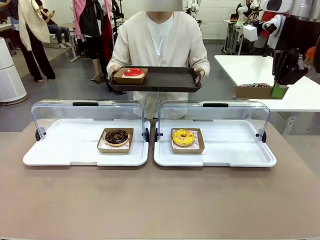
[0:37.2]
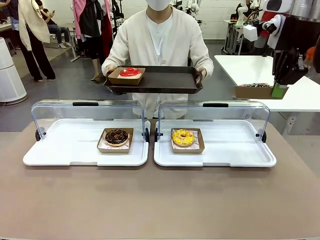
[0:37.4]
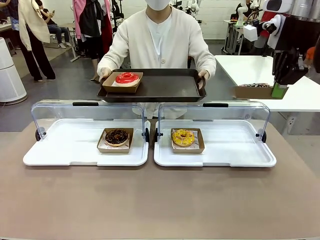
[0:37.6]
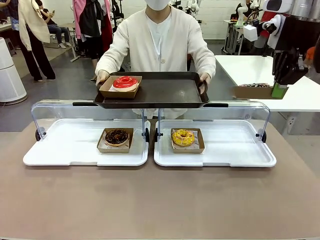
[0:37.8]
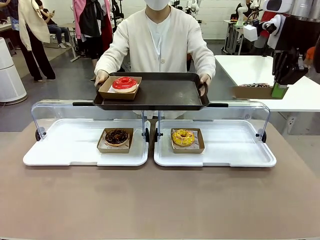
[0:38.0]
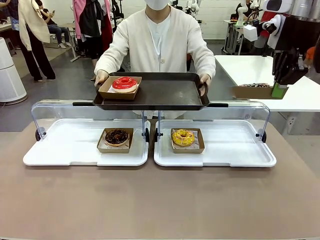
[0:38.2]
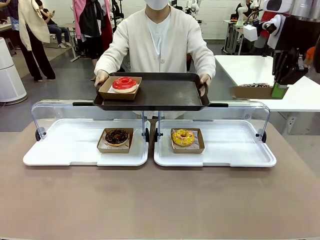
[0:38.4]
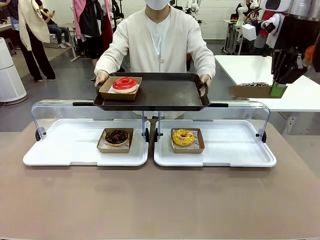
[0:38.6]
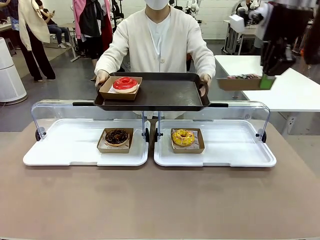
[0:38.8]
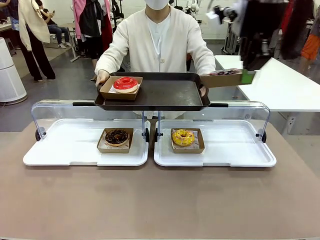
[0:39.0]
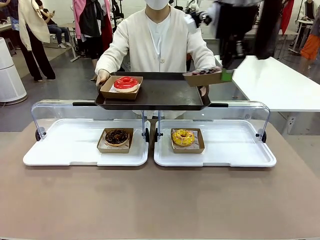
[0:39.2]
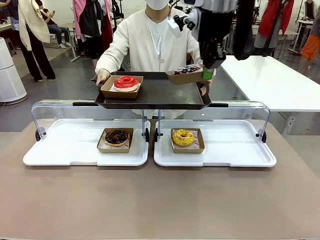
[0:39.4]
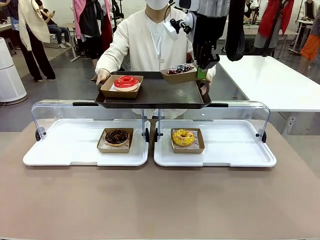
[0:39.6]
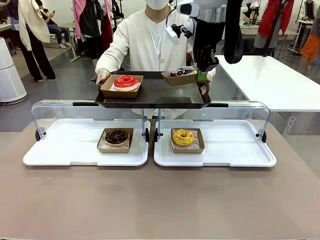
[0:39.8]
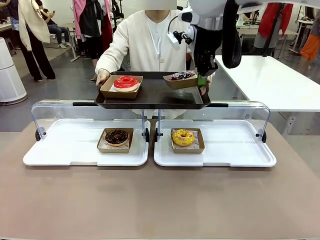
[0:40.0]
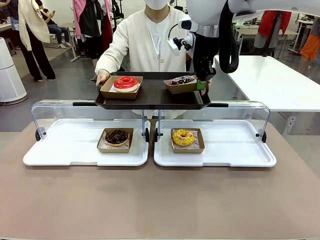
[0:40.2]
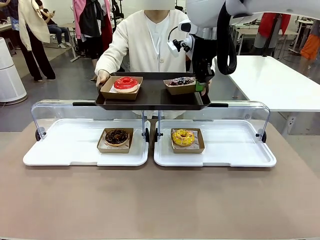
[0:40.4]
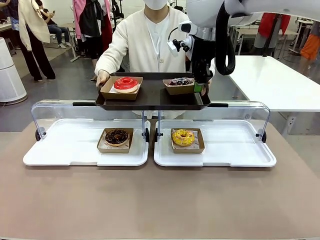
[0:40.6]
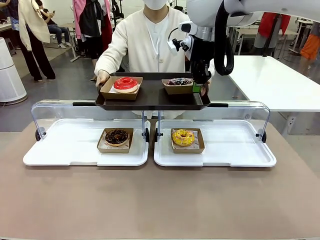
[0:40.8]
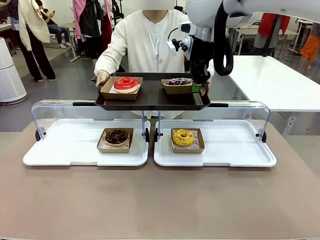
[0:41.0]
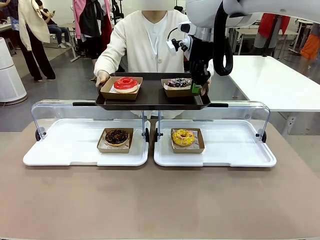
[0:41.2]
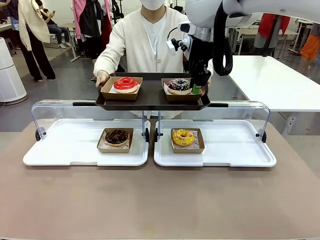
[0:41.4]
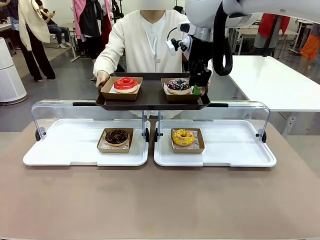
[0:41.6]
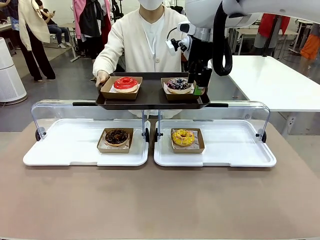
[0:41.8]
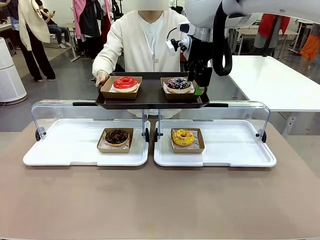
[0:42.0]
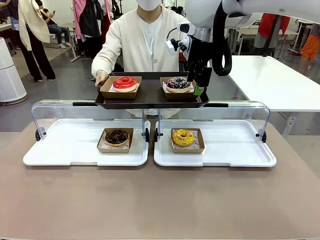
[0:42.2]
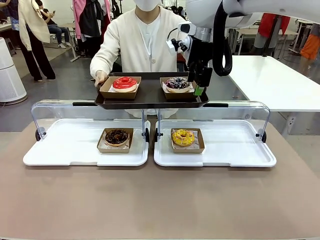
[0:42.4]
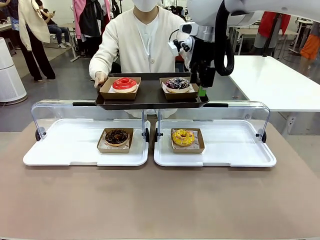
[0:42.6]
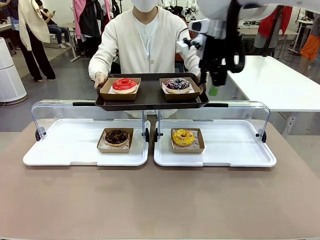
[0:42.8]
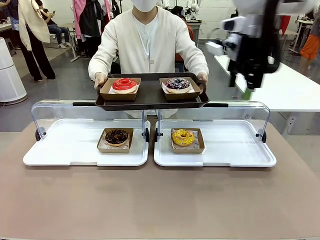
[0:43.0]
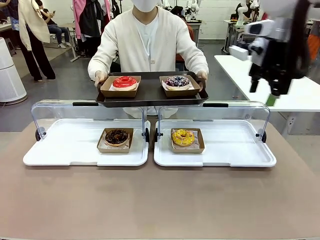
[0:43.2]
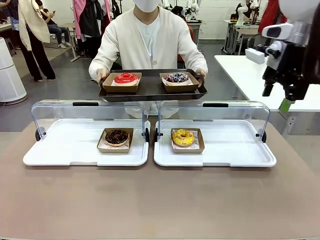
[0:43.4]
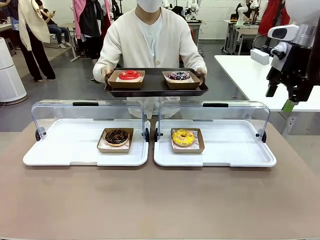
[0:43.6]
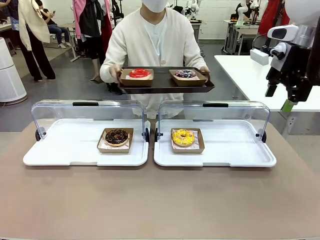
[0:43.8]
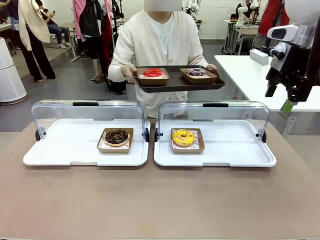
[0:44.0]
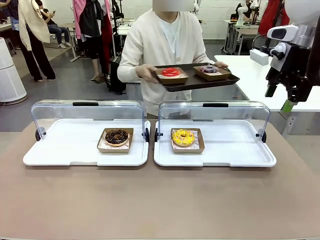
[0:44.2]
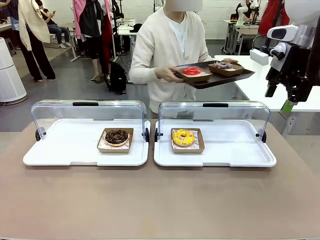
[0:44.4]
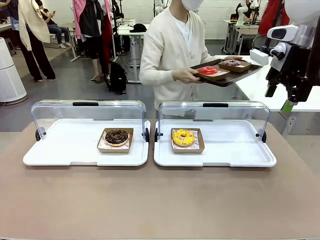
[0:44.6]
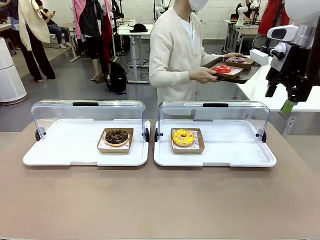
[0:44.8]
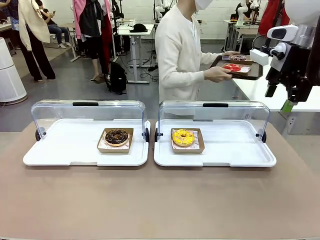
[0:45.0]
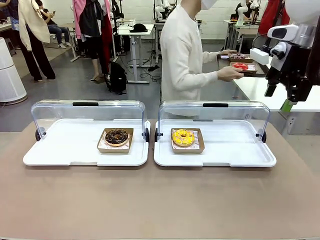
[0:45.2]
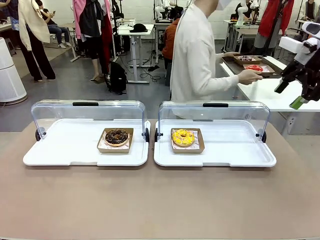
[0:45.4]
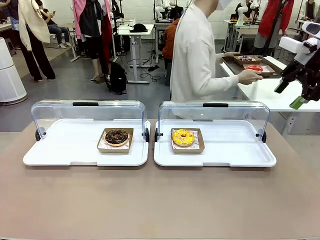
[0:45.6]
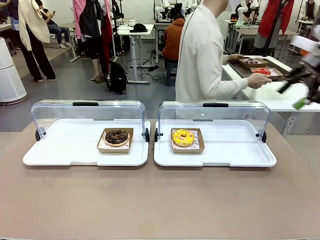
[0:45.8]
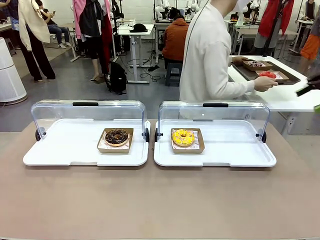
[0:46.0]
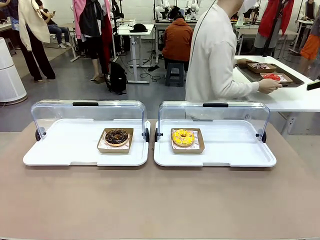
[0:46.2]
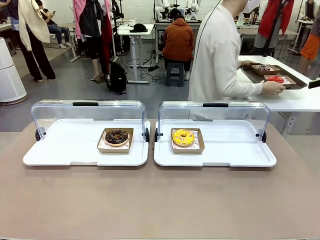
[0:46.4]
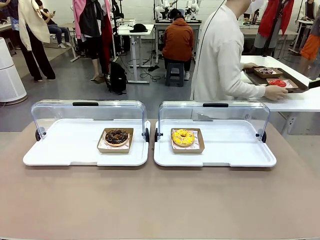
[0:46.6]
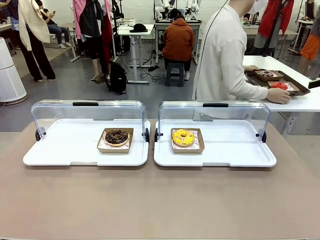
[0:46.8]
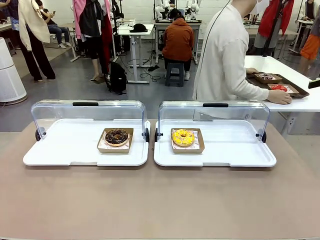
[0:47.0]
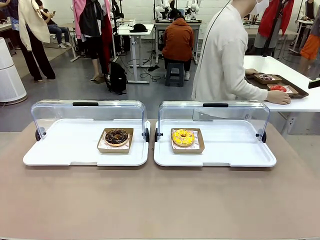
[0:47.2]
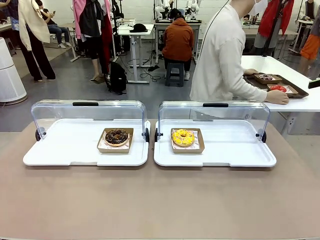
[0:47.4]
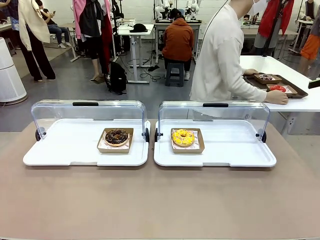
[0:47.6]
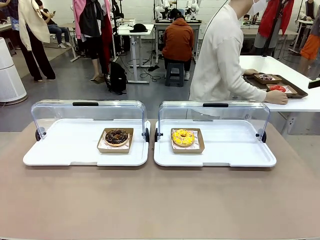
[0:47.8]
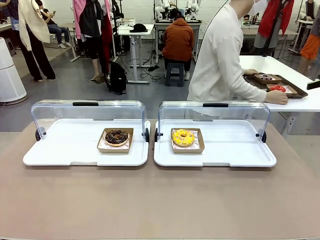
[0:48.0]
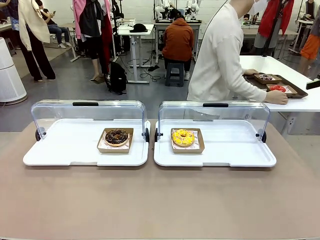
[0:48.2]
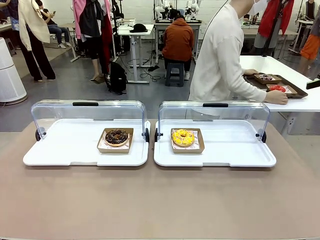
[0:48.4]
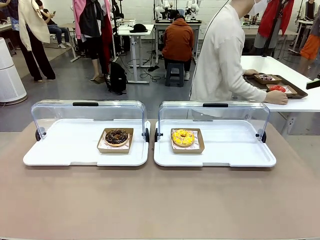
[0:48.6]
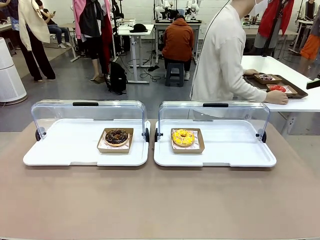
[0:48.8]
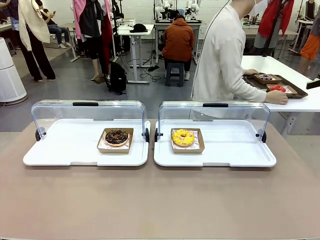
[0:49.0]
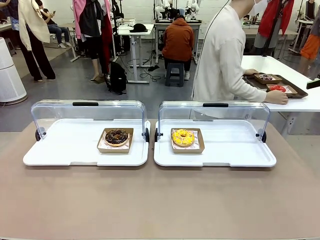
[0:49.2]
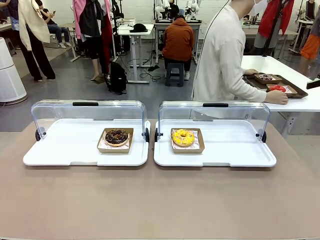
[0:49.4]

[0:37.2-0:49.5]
Task: Provide the desired donut to the person.
Robot: Place the picked Paper togo box onto the Handle tray extended by the person.
Person: Place the tray in the middle of the human table.

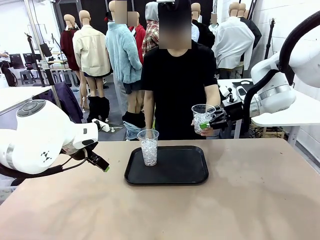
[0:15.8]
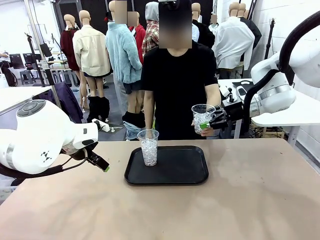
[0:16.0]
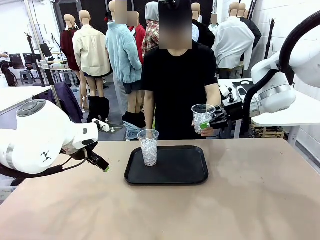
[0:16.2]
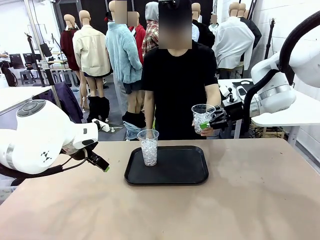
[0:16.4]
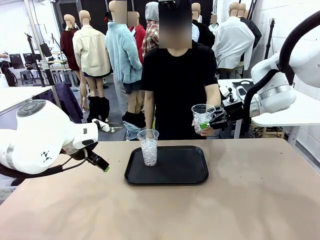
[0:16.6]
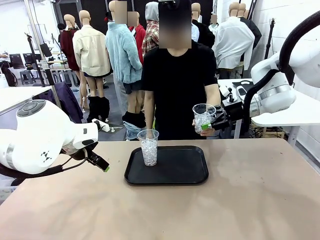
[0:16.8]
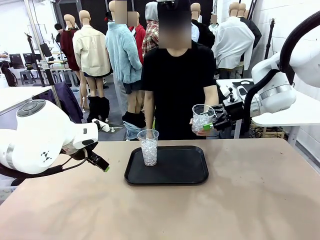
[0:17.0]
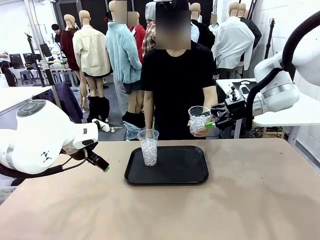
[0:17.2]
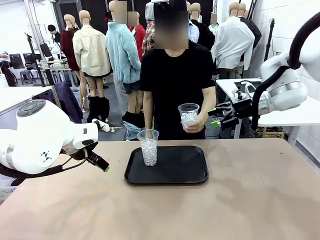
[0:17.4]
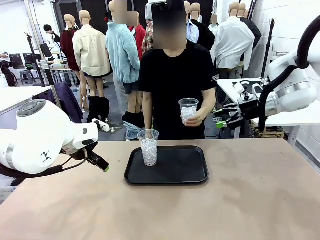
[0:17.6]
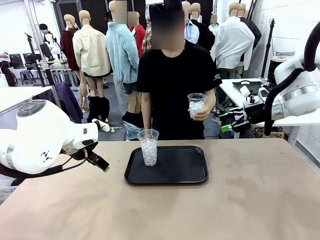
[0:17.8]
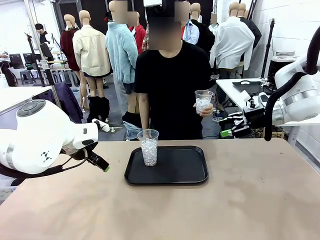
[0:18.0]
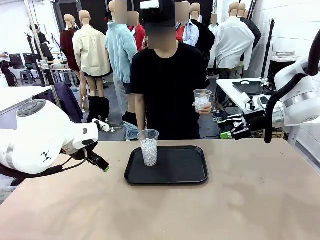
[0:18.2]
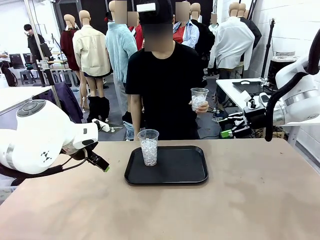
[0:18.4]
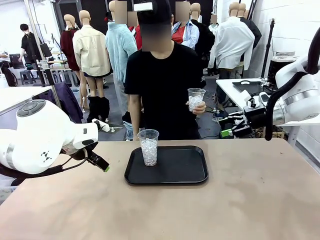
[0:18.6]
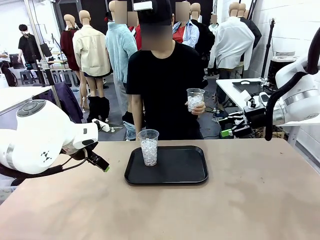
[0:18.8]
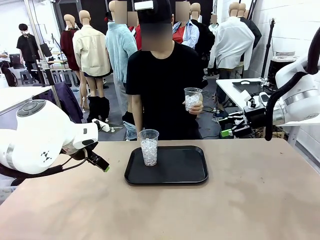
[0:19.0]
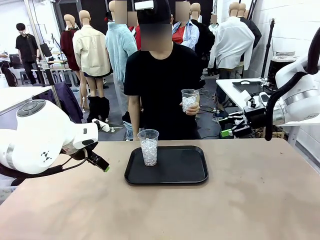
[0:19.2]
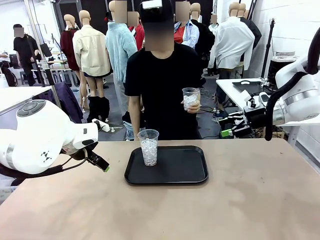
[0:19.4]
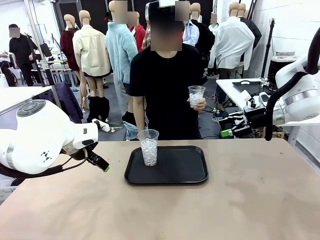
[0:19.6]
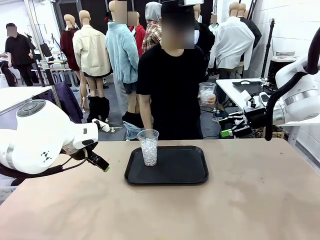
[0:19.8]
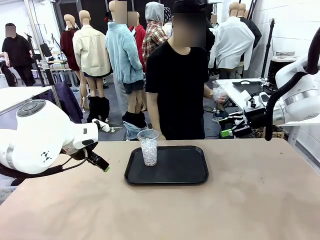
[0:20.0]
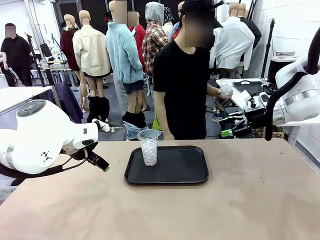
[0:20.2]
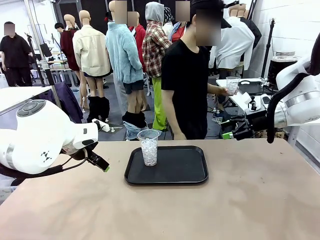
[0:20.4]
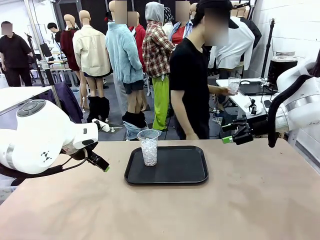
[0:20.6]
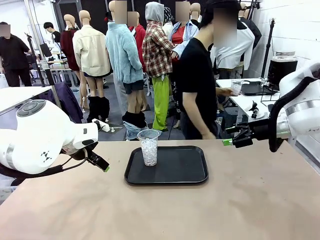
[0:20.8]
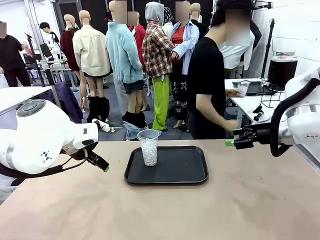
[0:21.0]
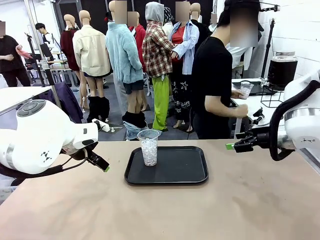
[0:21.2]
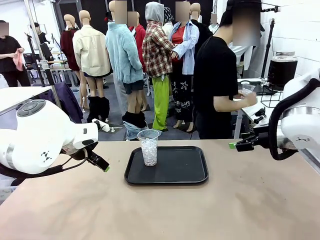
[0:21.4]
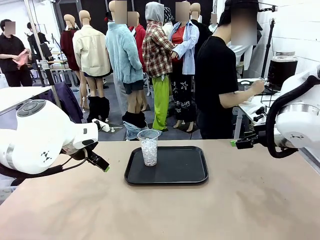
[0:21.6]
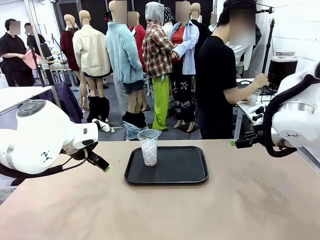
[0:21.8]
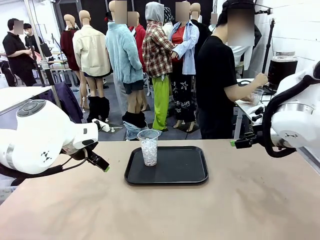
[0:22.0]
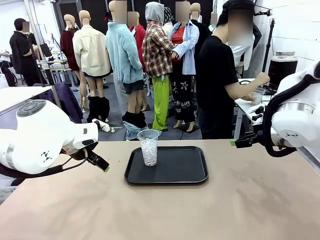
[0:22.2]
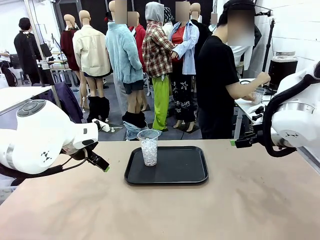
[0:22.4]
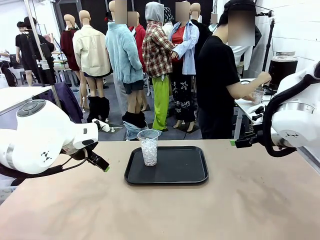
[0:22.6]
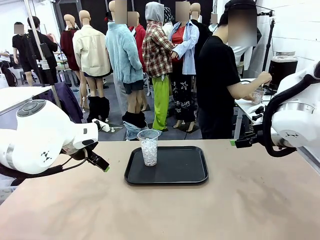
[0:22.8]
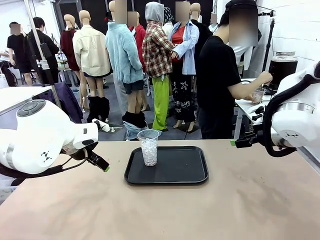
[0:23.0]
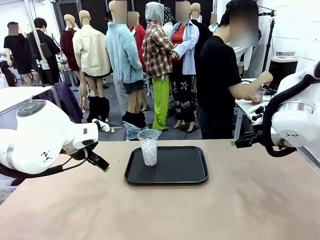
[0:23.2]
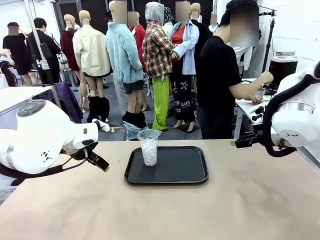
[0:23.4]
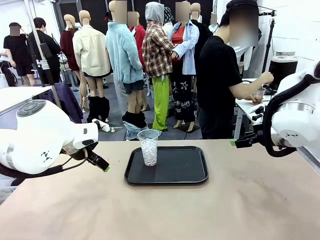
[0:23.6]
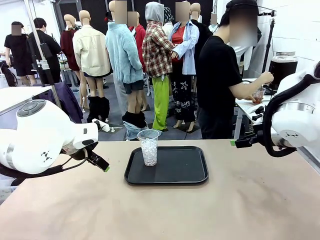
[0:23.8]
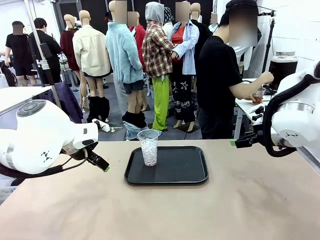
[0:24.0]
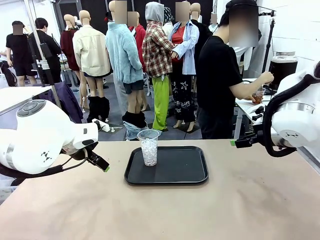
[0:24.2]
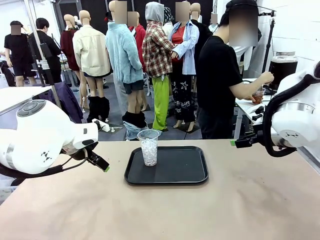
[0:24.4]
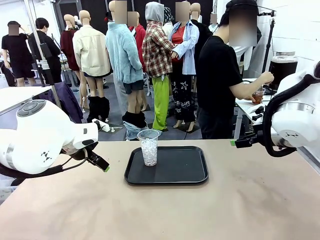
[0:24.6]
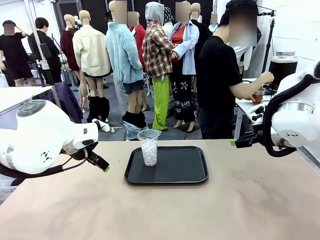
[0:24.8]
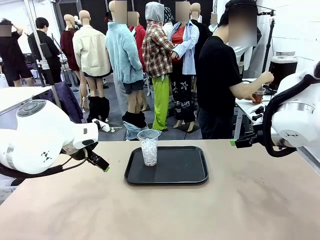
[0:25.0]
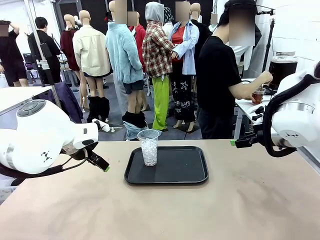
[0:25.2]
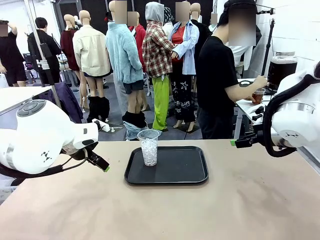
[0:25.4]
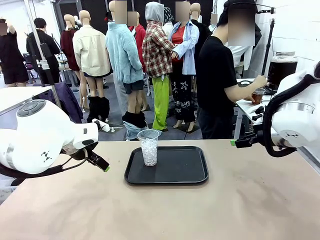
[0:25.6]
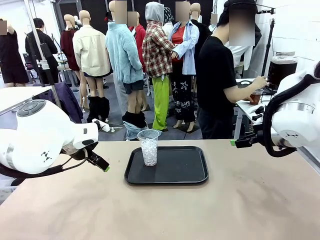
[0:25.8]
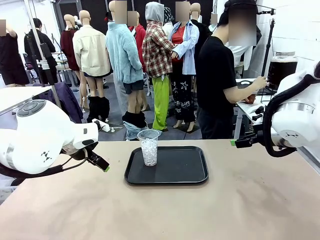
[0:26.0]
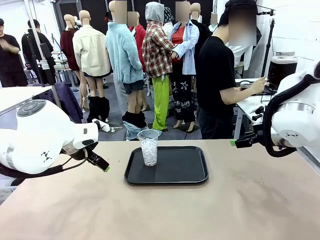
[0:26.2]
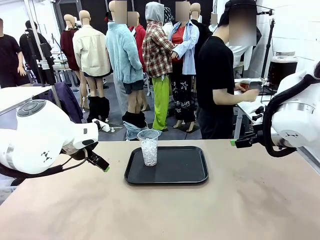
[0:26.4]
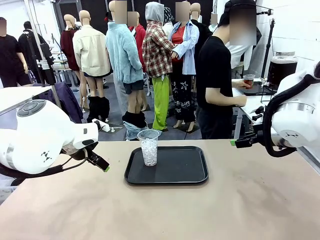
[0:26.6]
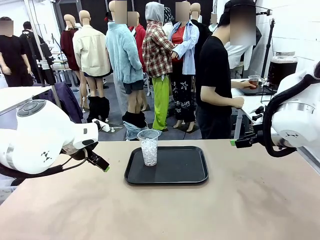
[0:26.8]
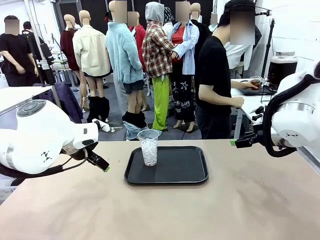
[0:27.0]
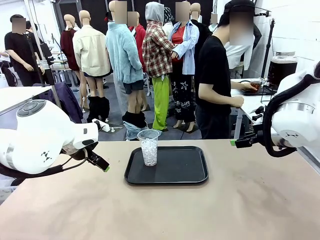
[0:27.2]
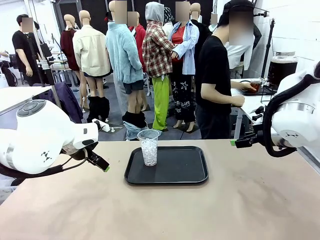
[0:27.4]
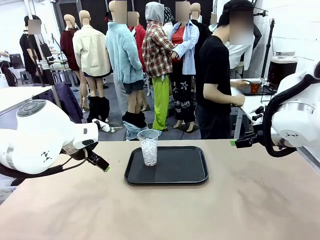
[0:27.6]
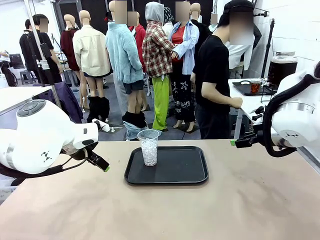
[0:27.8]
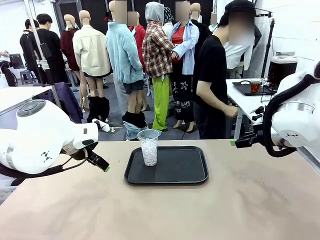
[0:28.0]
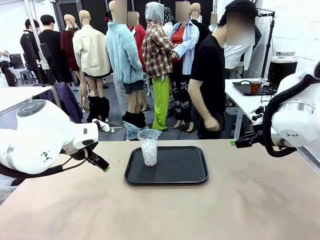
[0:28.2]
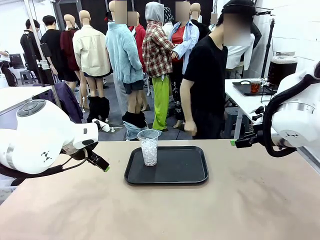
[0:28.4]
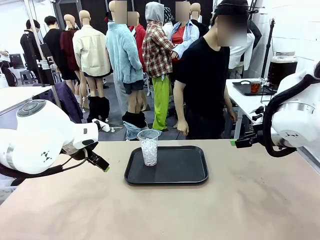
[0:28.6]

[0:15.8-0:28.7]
Task: Pour the drink into the iced cup.
Robot: Pick up the iced cup indicated by the human and present it to them.
Person: Move the picked-up cup under the dispenser faucet, pour the drink, and place it on the tray on the human table.
